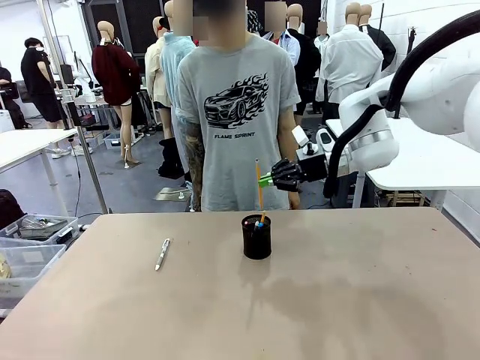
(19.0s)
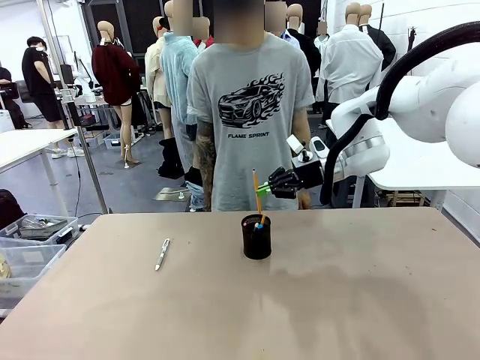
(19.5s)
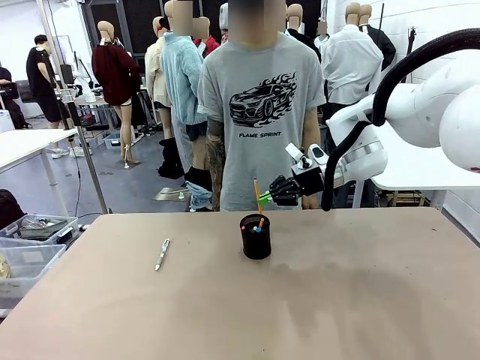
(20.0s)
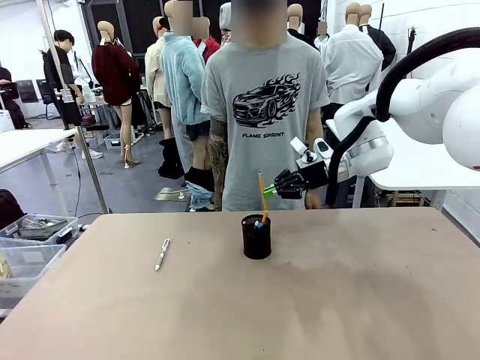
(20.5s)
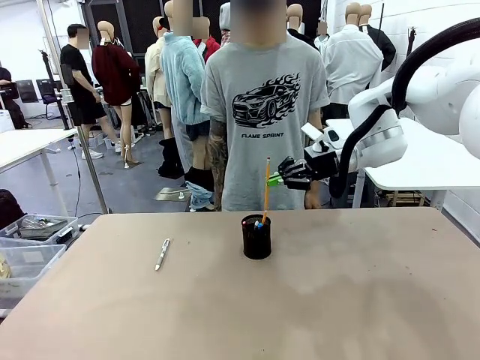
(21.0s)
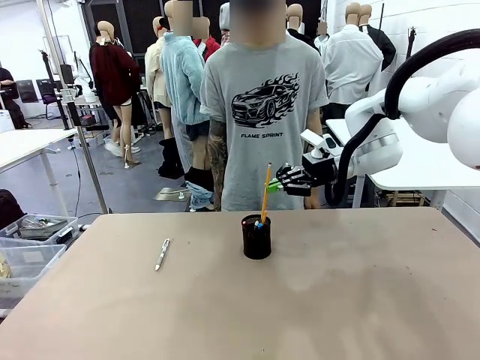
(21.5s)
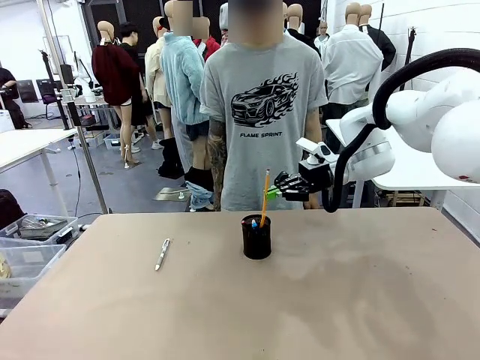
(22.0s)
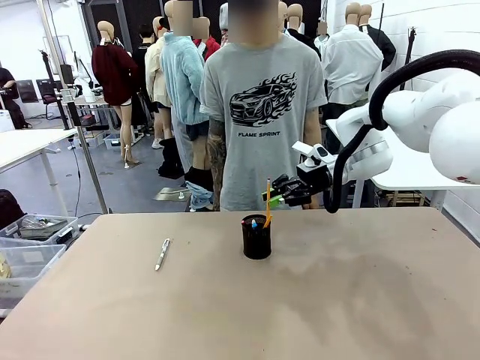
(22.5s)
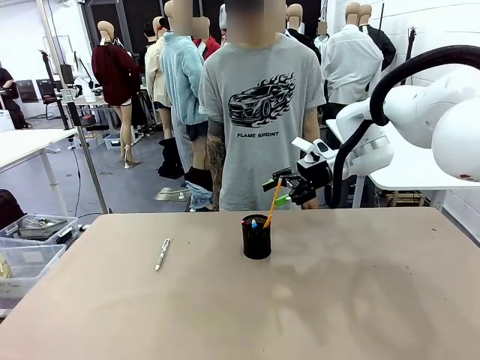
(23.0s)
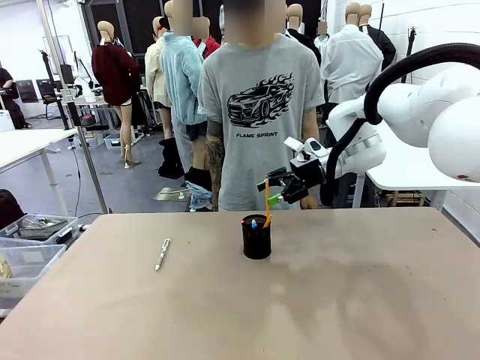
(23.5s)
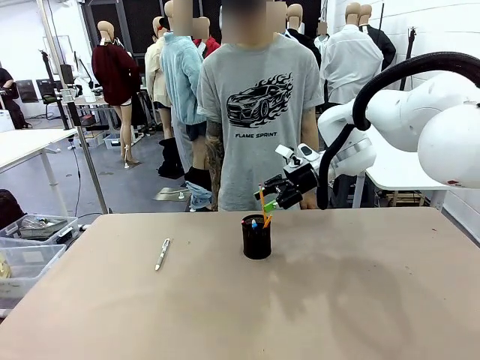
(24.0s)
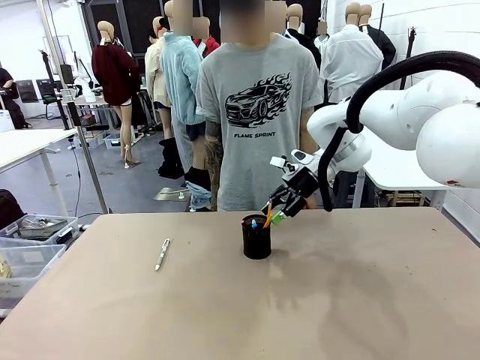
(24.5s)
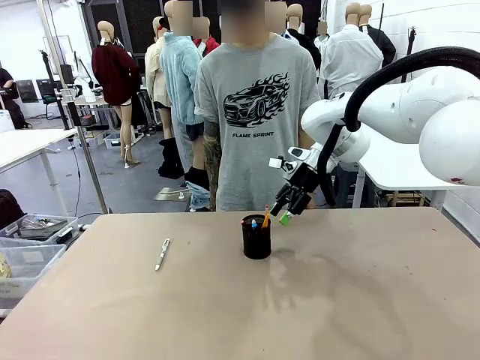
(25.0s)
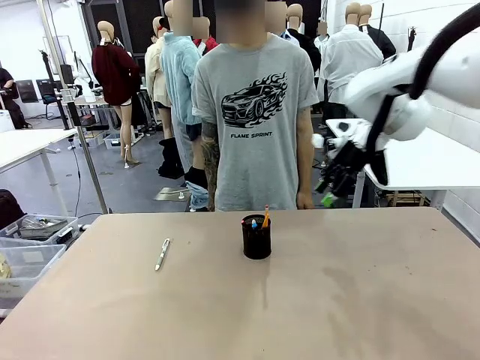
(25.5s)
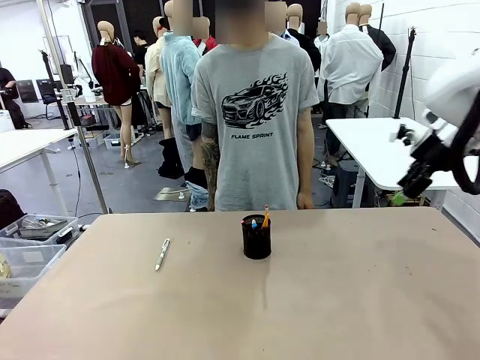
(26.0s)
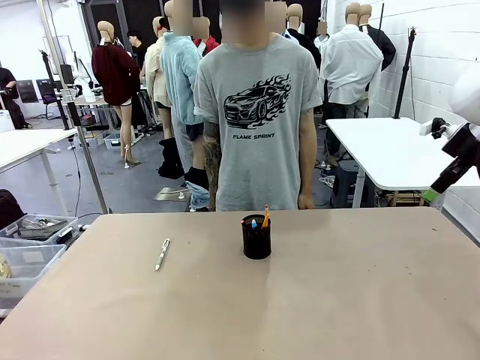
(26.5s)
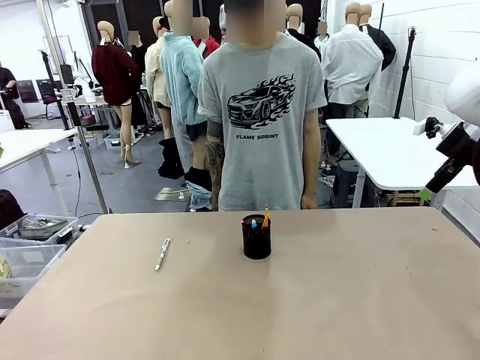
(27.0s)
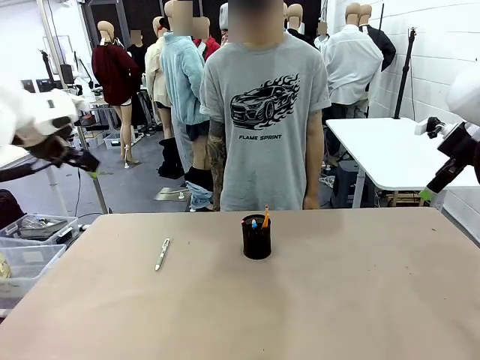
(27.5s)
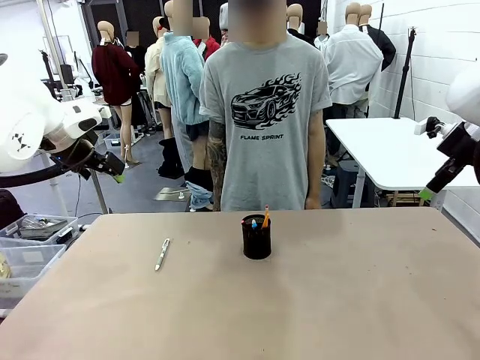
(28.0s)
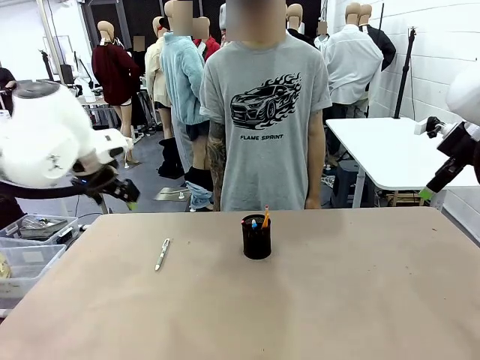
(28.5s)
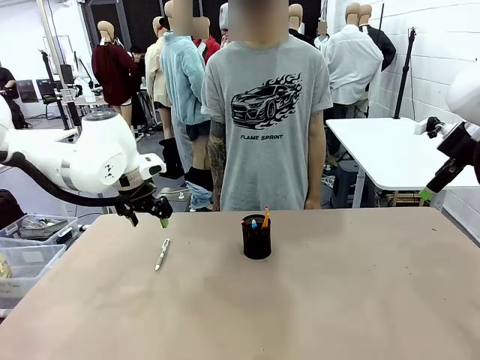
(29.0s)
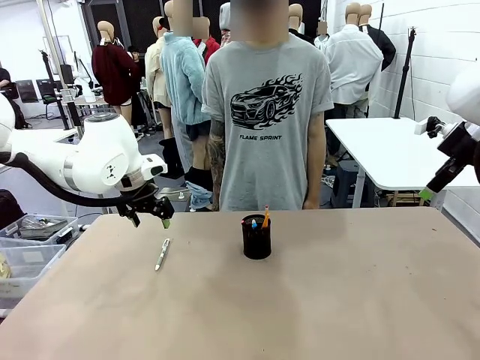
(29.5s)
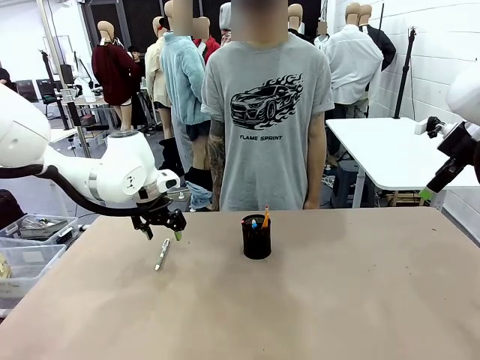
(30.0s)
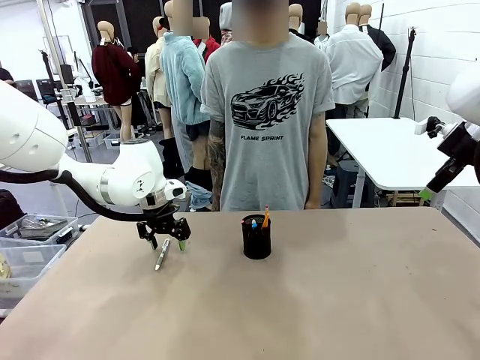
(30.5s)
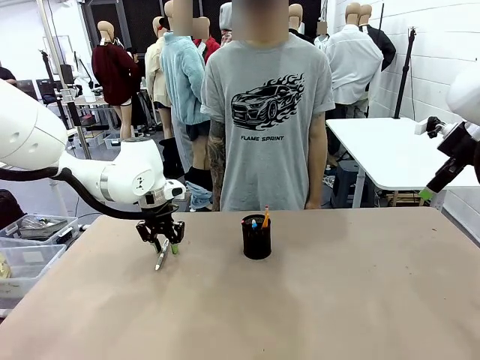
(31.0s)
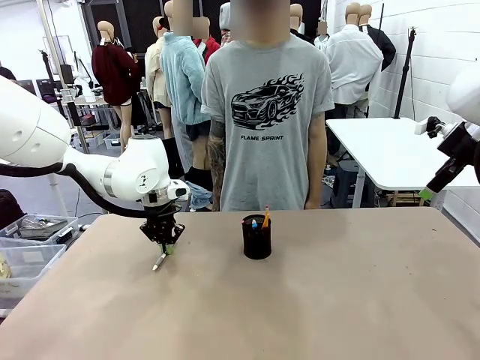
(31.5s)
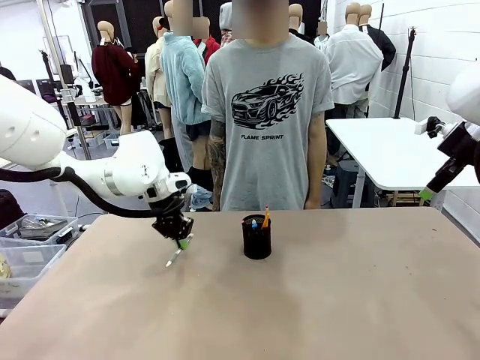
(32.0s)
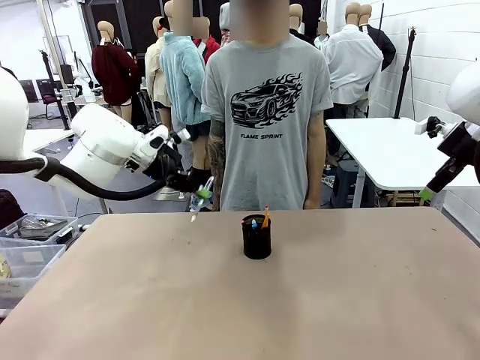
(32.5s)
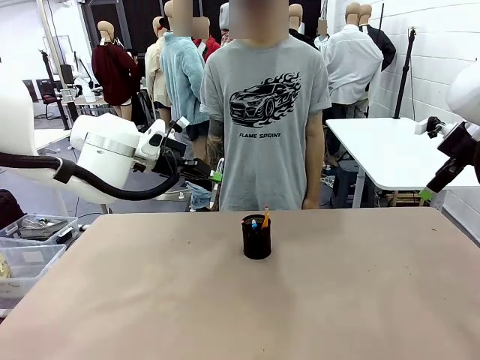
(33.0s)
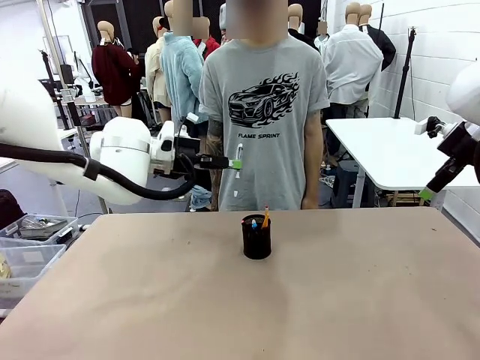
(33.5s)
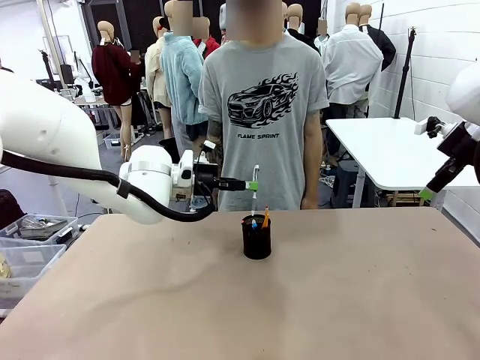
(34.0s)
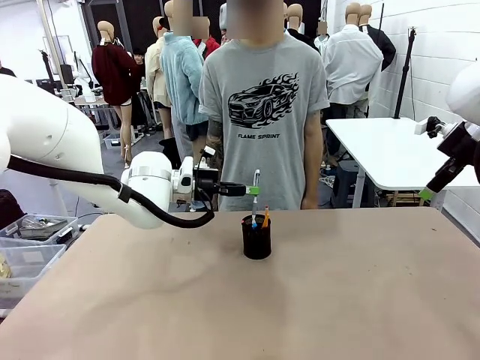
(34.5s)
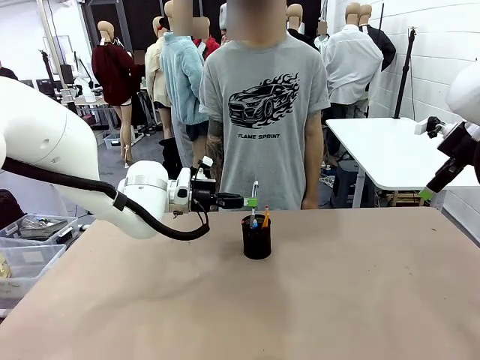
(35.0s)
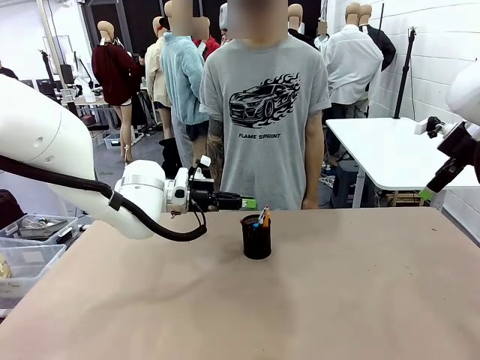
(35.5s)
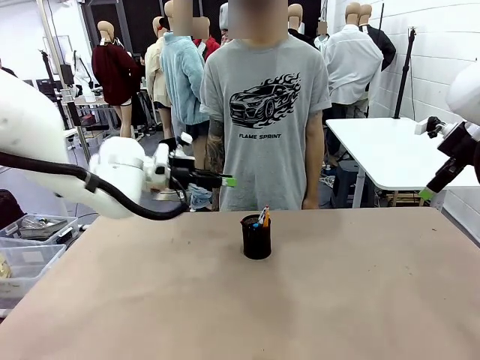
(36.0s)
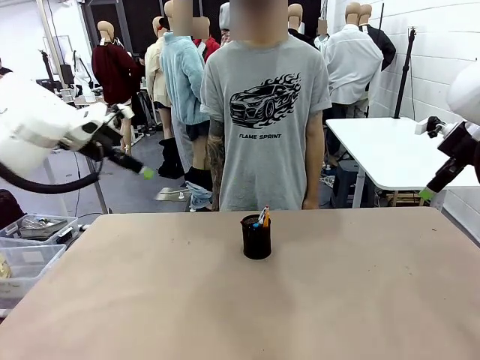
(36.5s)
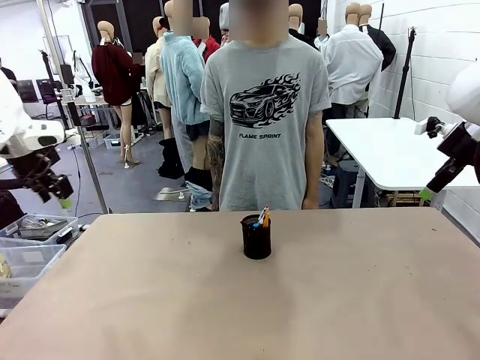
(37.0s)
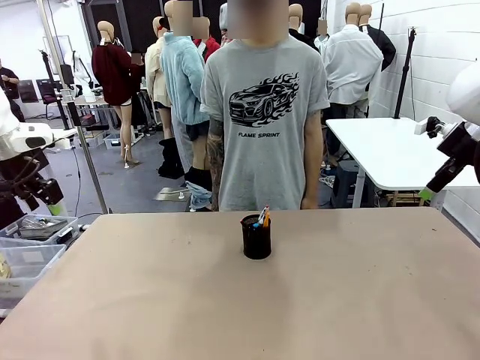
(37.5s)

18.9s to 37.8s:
Task: Place the pens into the pen holder.
Robot: Pick up a writing instrument from the table and place it into the Pen holder.
Person: Place all writing instrument into the Pen holder.

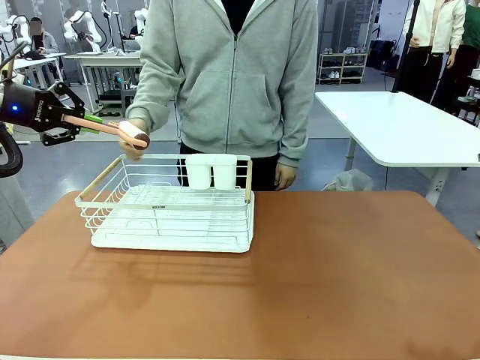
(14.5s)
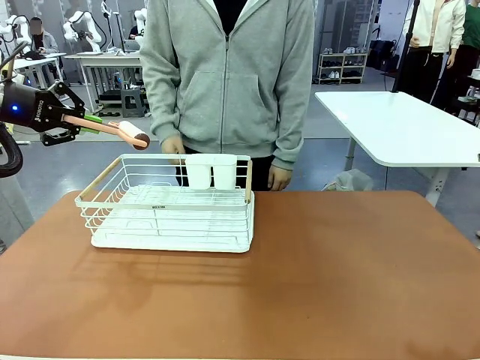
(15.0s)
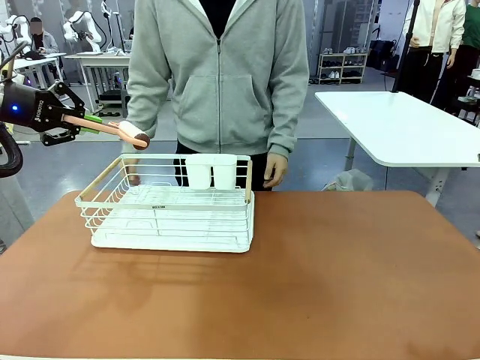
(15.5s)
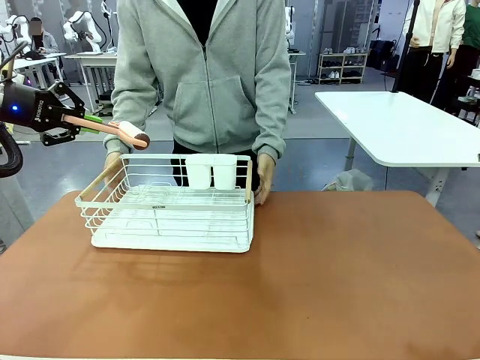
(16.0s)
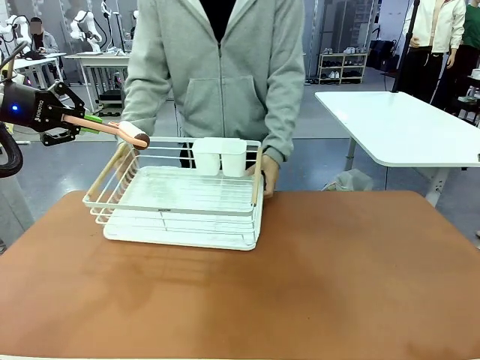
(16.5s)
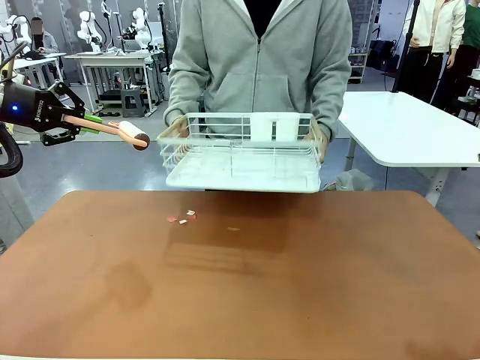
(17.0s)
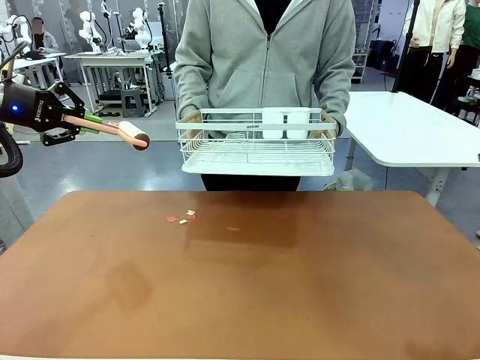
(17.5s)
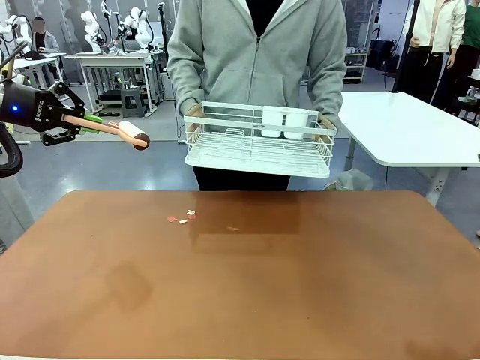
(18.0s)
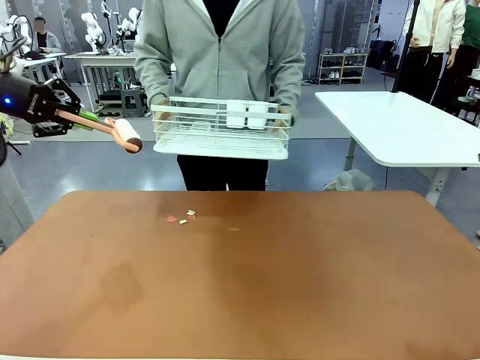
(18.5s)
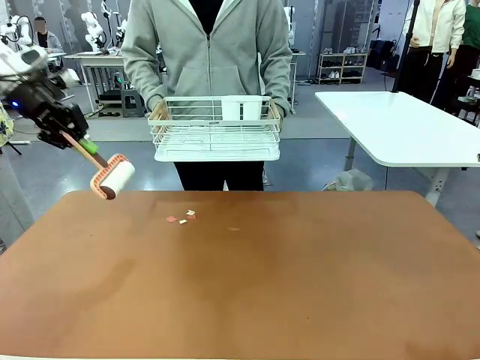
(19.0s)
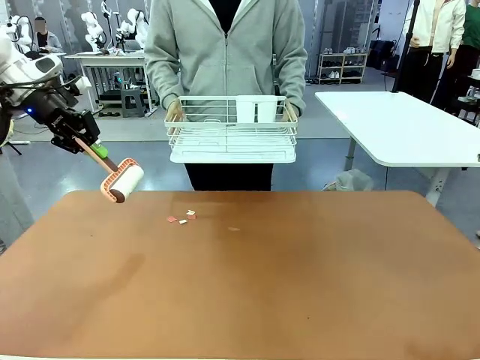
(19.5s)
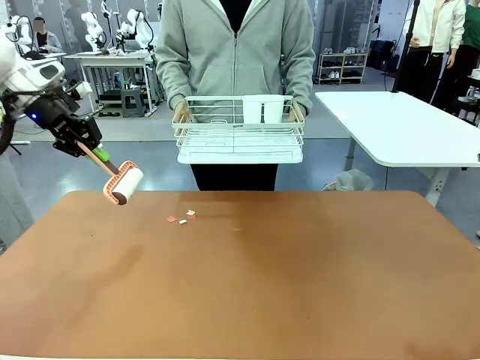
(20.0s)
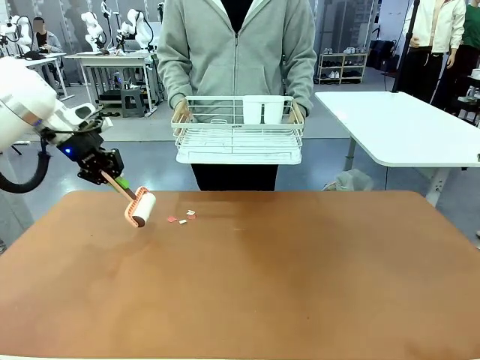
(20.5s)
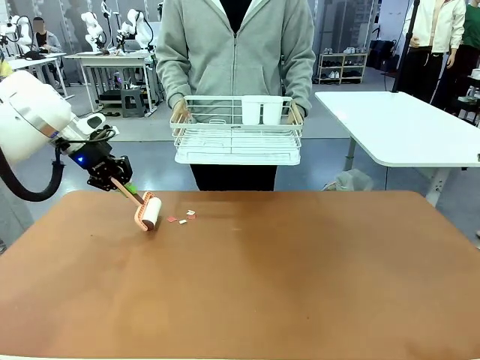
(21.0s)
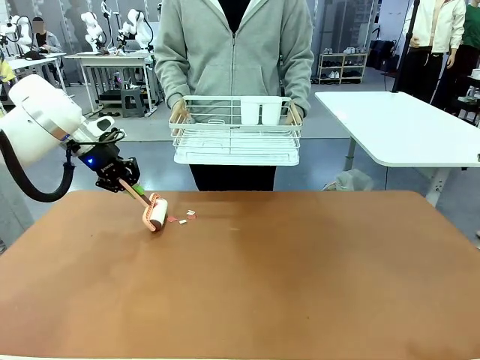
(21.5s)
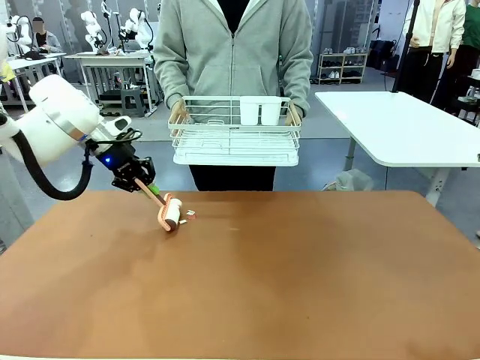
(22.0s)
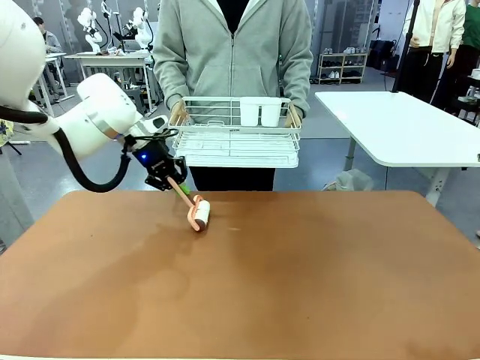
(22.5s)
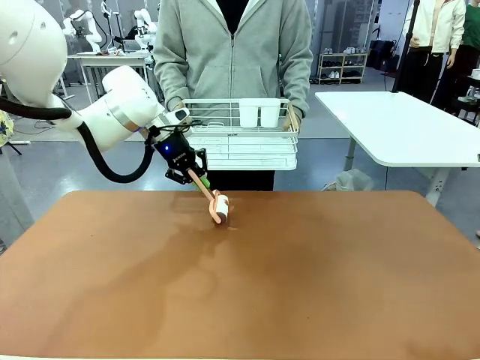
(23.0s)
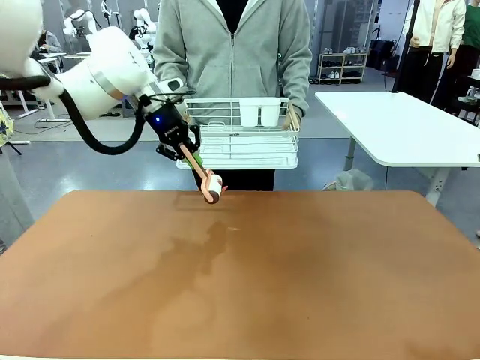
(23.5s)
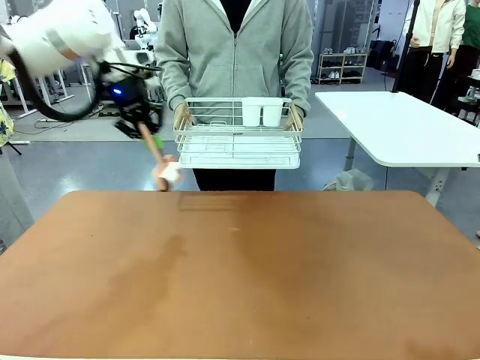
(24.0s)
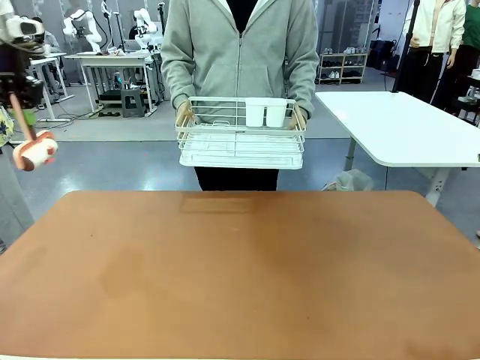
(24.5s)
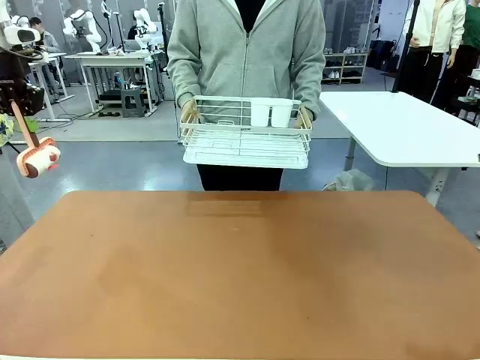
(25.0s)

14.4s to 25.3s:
Task: Clean the table.
Robot: Clean the table with the Lint Roller when the human lifts the Dish drying rack.
